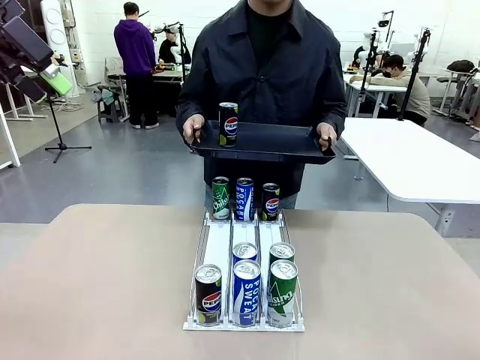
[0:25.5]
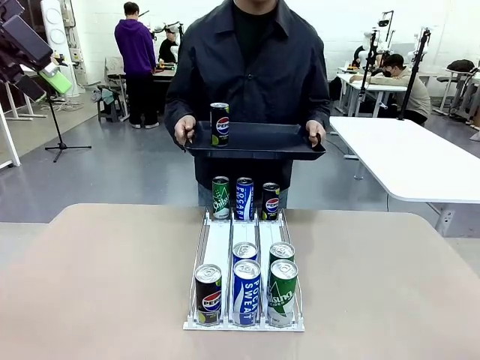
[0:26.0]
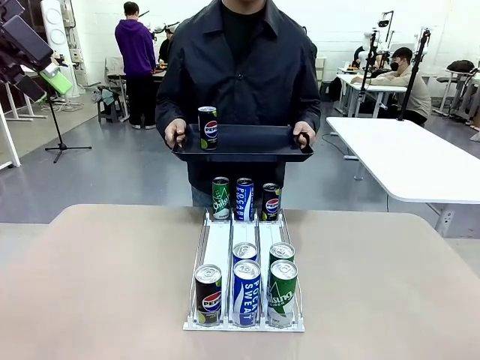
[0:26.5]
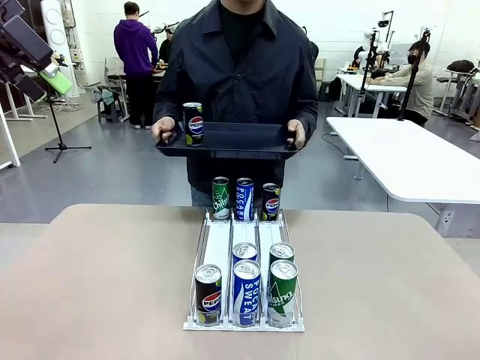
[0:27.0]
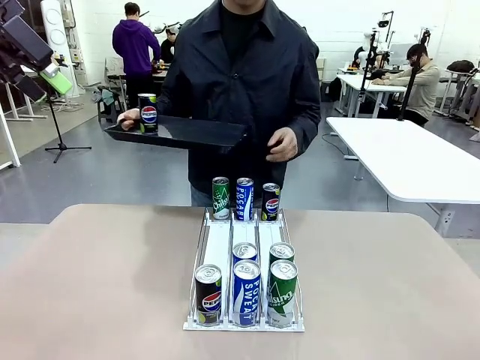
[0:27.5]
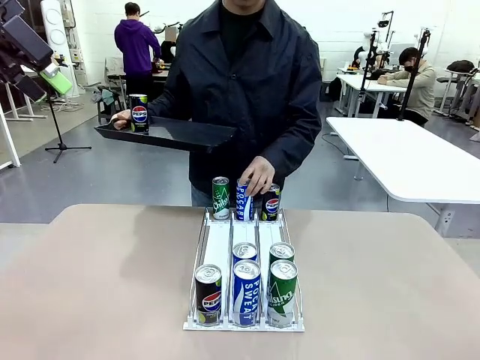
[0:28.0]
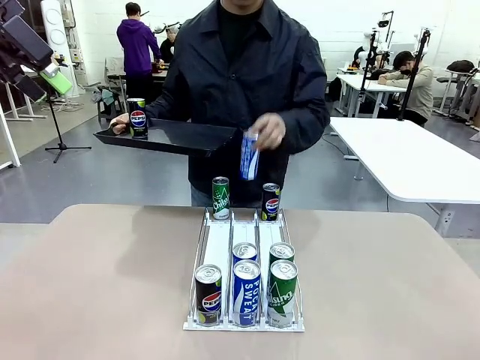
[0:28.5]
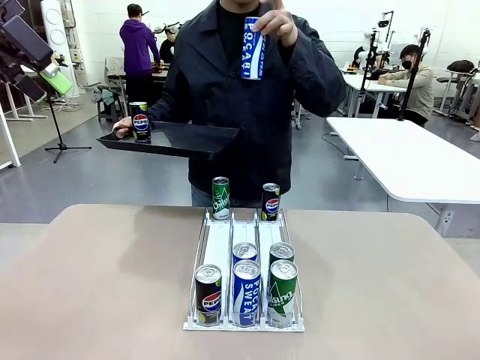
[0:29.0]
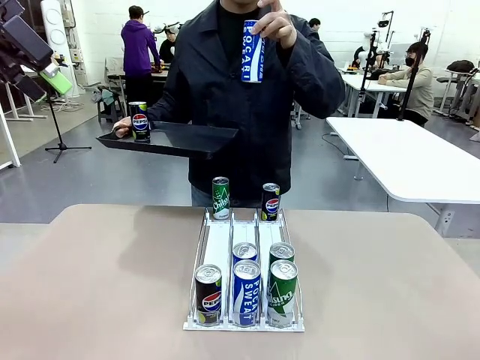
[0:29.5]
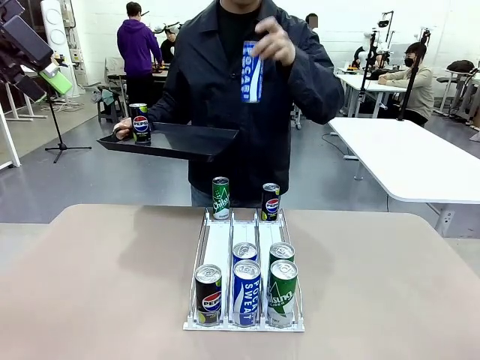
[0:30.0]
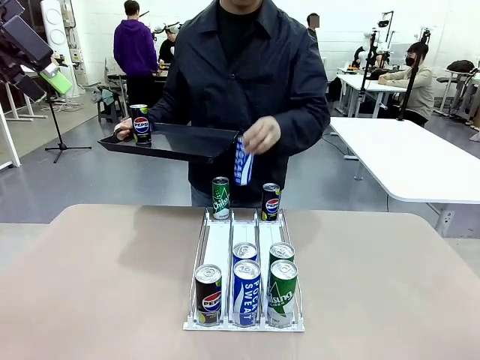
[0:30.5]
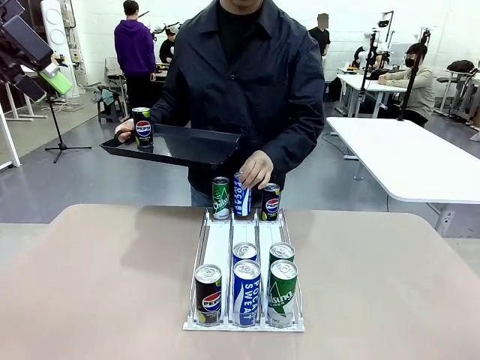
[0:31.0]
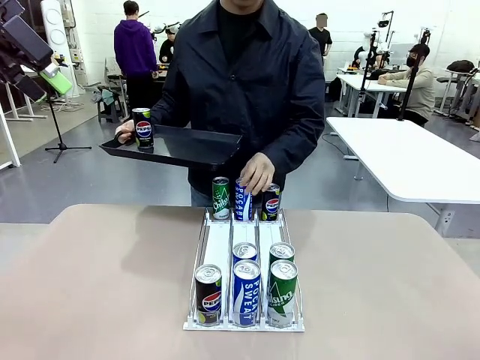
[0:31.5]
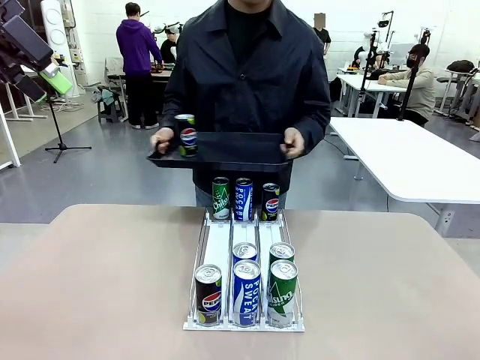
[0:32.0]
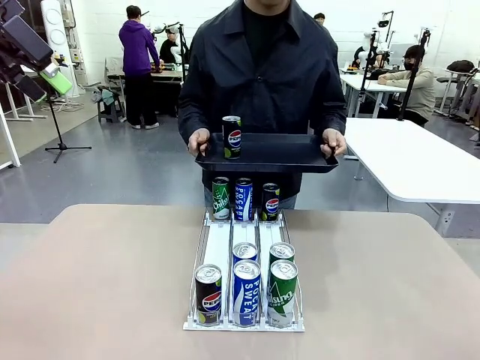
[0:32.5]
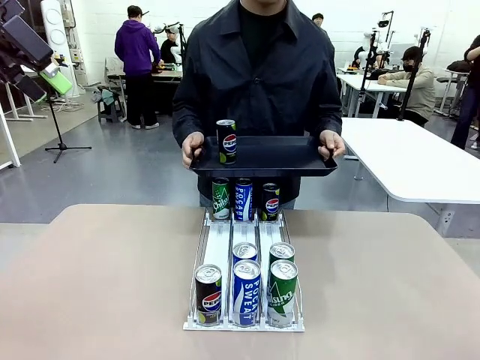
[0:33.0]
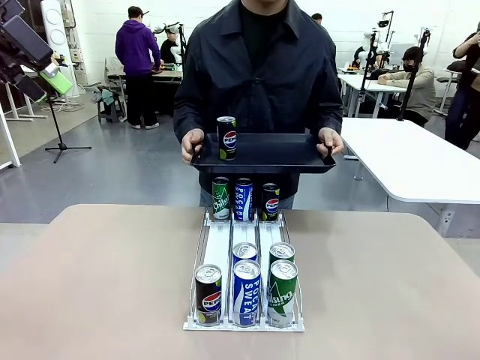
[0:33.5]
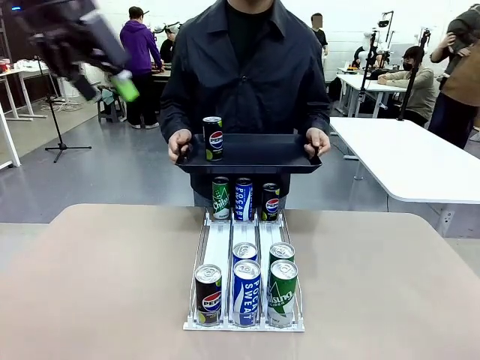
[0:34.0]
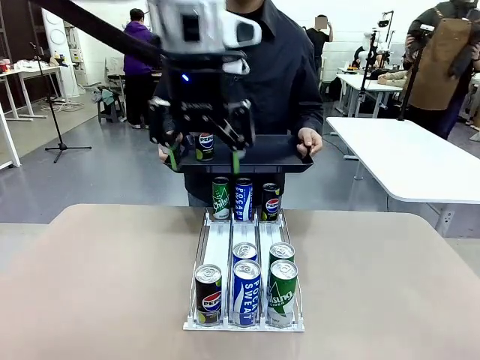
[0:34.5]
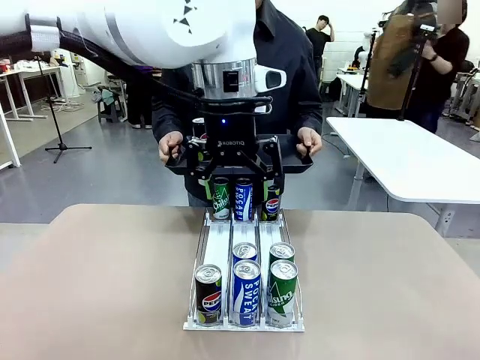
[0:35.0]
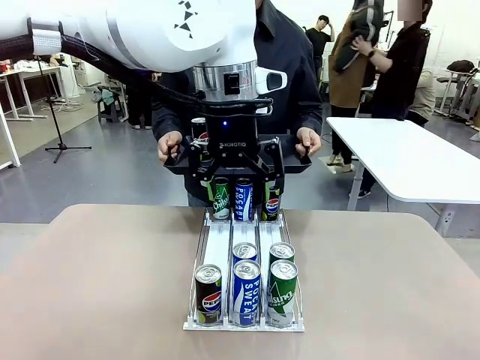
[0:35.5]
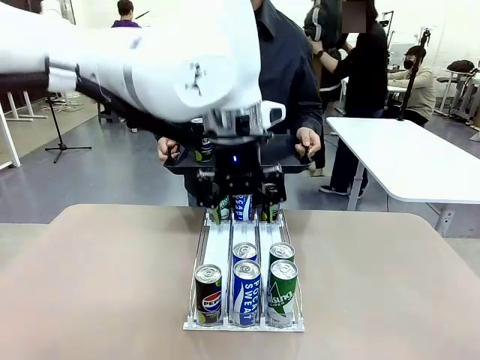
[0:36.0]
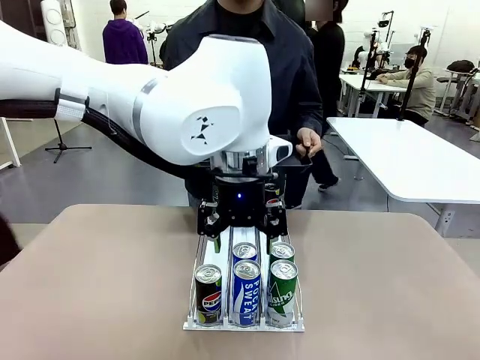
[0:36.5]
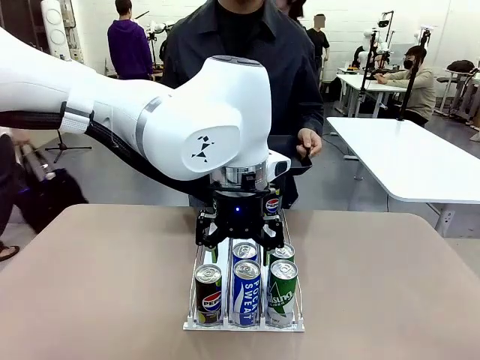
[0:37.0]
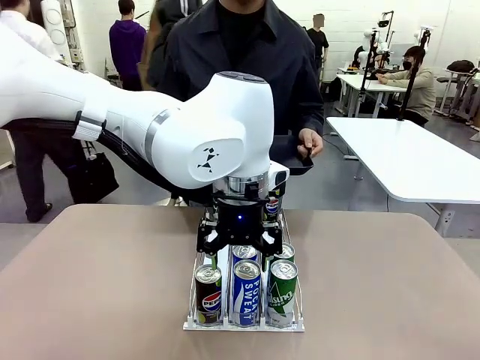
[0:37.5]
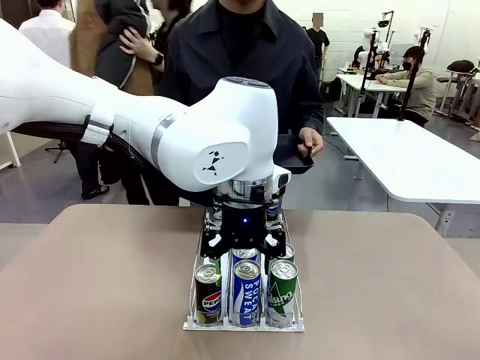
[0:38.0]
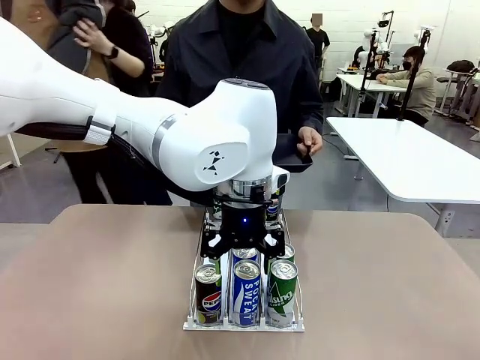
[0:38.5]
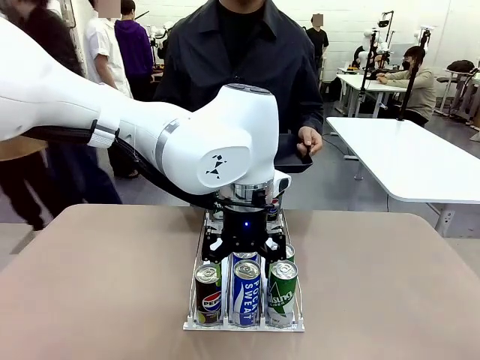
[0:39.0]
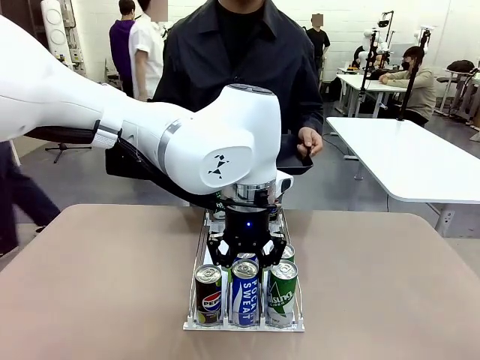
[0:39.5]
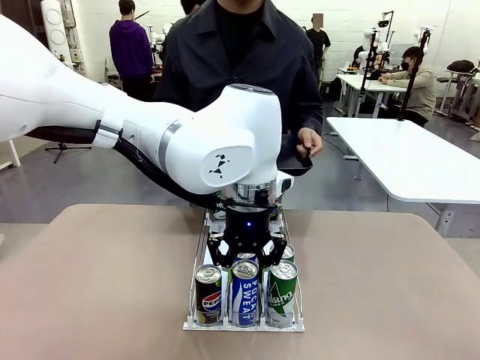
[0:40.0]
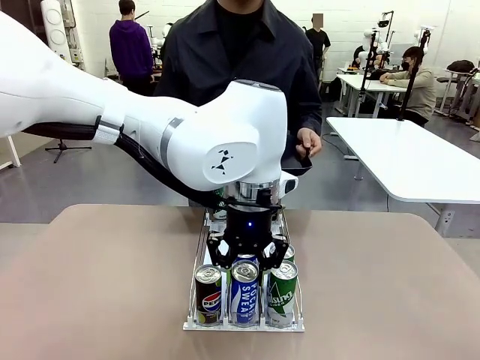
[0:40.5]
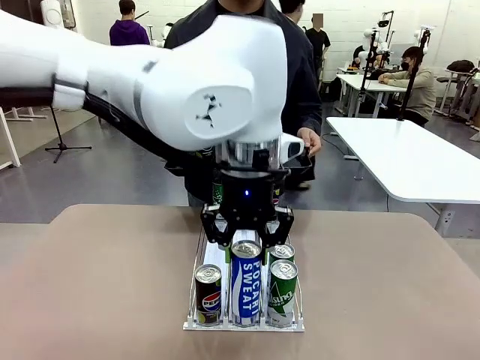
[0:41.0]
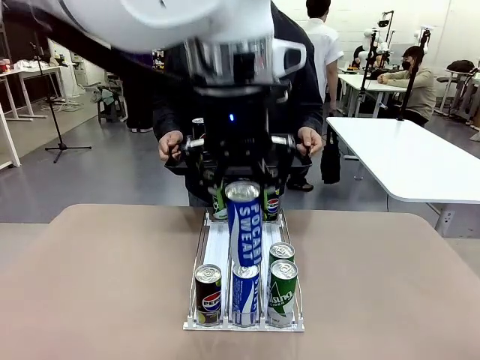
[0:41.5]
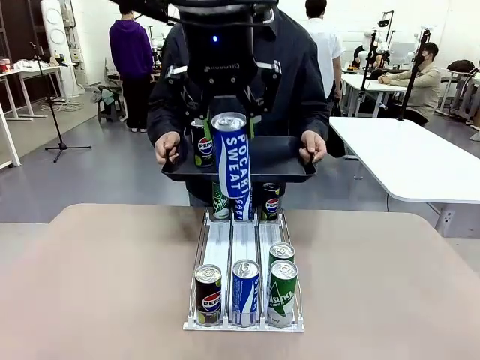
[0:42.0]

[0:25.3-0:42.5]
Task: Retrieve and hand over the desired beverage to the person.
Robot: Pick up another can of the same type that the person held from the Automatic Can Dispenser.
Person: Pull the tray back, then pick up another can from the bottom area of the table and puts it back in its original place. Push the tray toward the robot again.

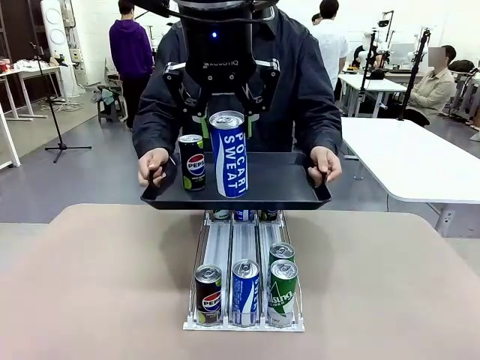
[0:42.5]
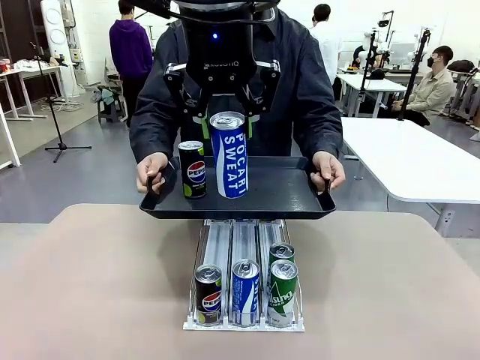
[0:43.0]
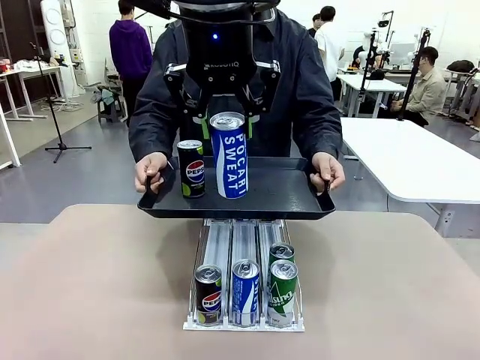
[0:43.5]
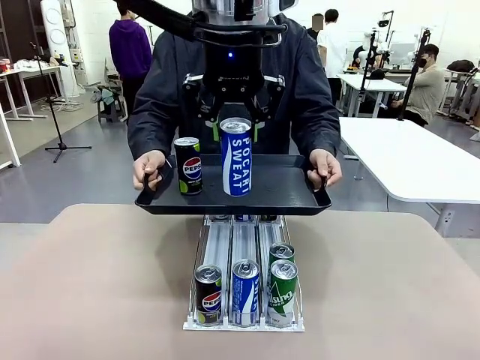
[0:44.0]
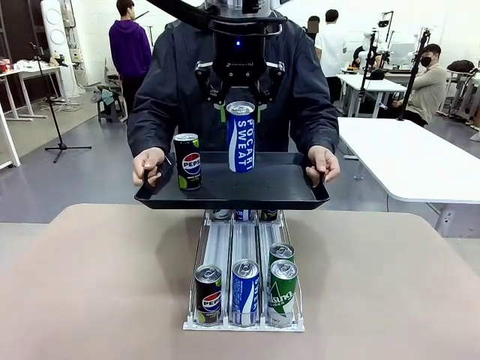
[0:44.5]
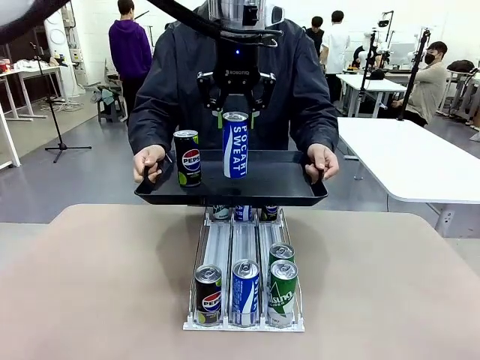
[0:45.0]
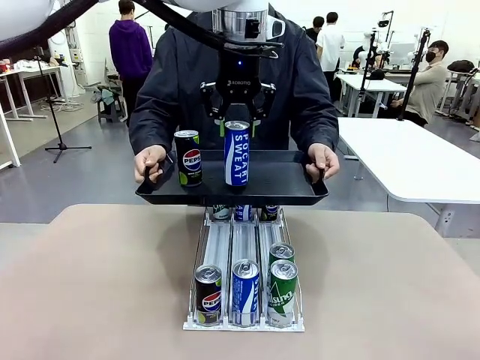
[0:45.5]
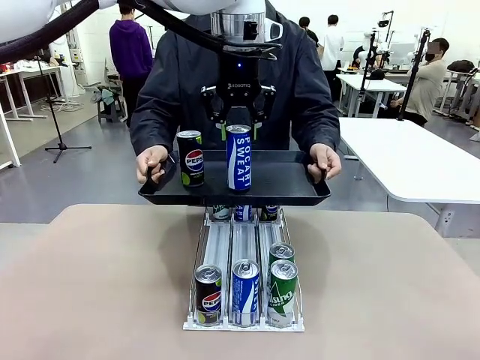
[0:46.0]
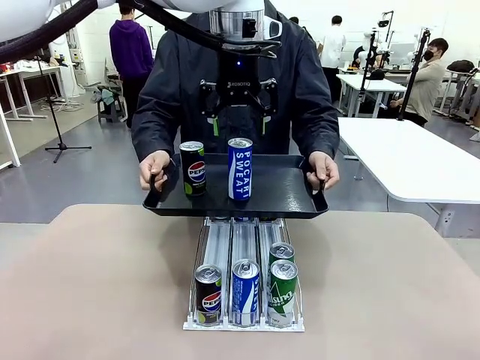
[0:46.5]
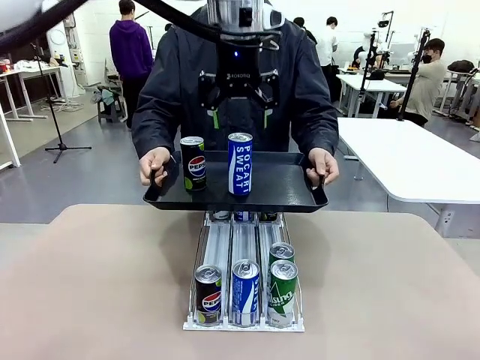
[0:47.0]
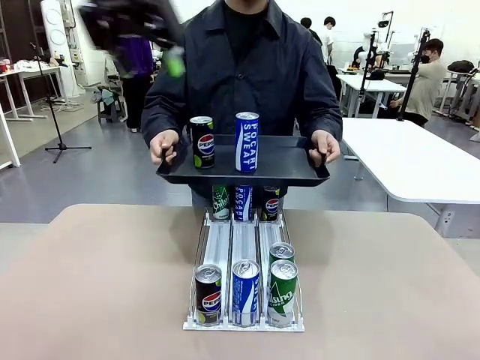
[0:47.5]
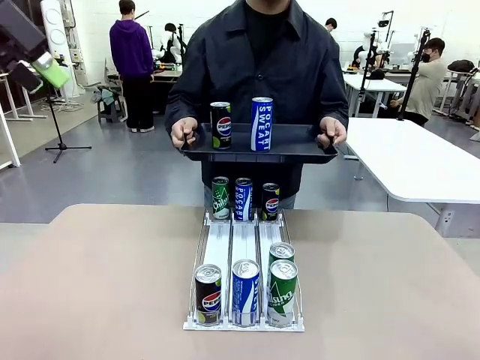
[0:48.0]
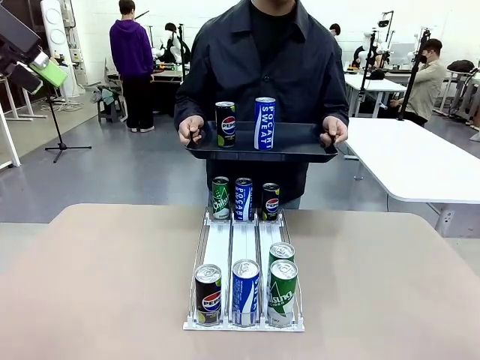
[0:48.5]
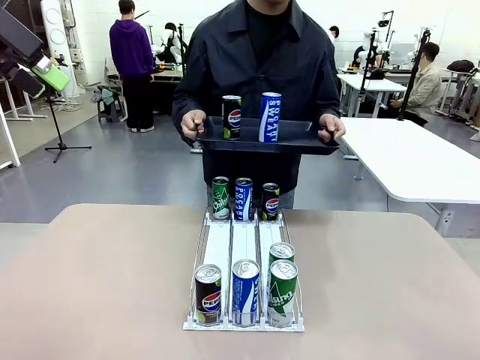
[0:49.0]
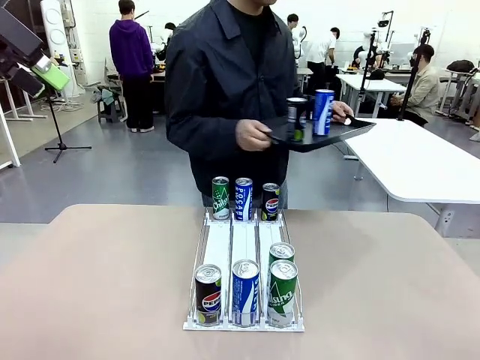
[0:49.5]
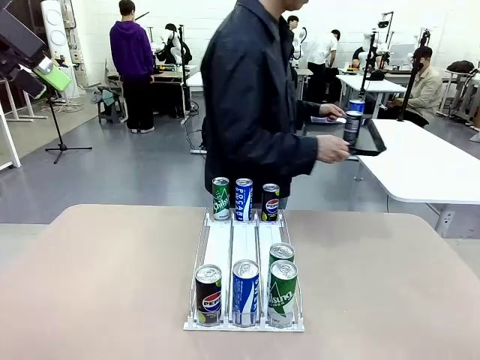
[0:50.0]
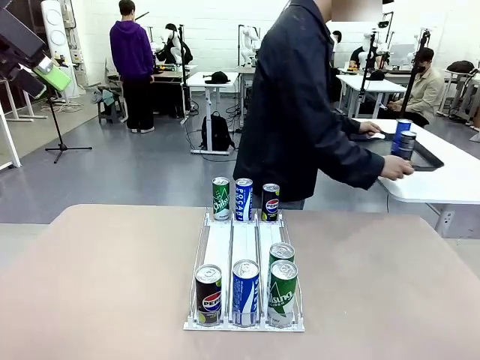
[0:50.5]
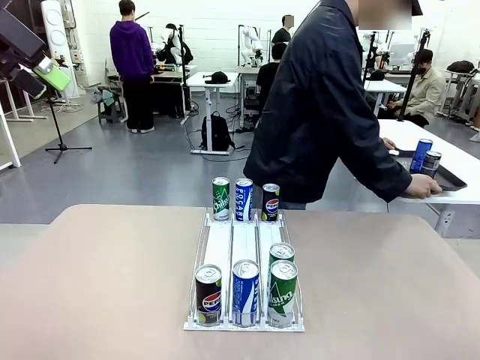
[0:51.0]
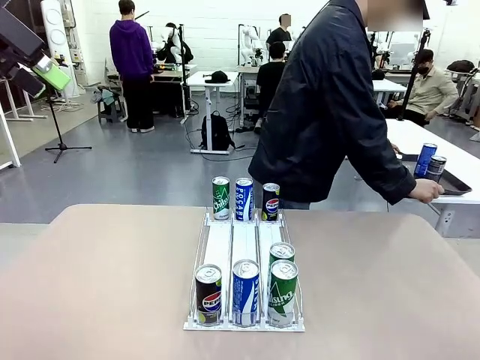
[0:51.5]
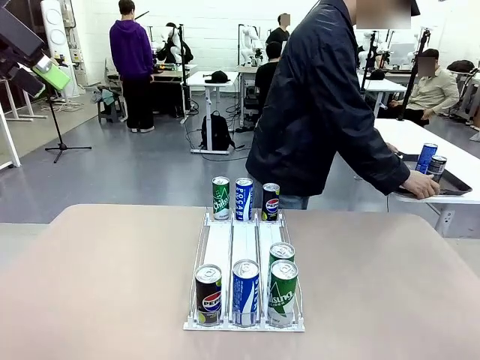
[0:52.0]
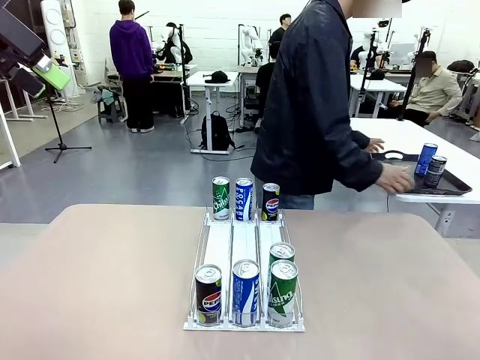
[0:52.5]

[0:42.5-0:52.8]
Robot: Place the picked can on the Handle tray extended by the person.
Person: Pull the tray back and place it at the center of the human table.
